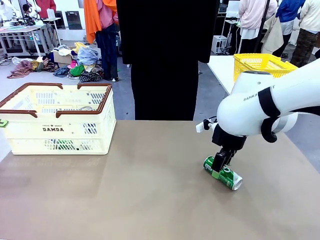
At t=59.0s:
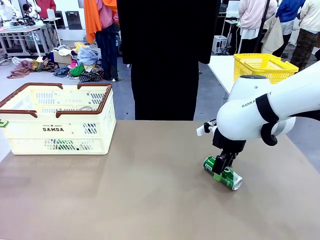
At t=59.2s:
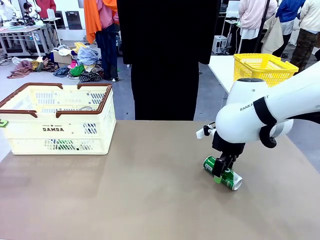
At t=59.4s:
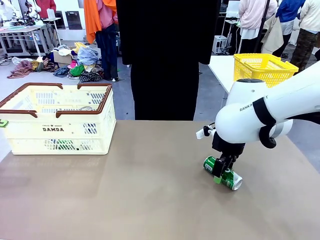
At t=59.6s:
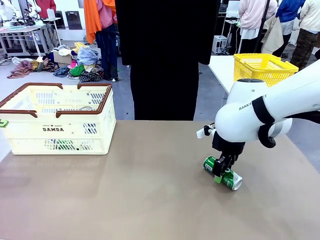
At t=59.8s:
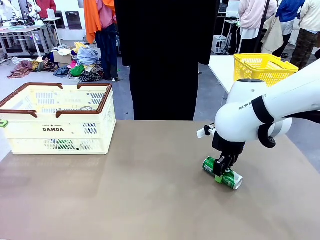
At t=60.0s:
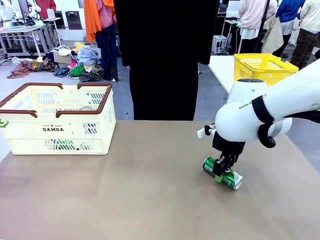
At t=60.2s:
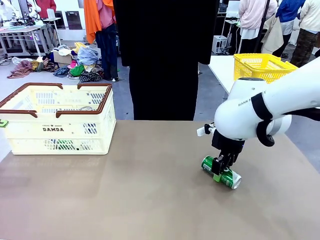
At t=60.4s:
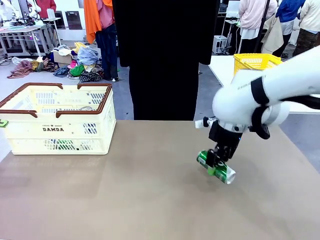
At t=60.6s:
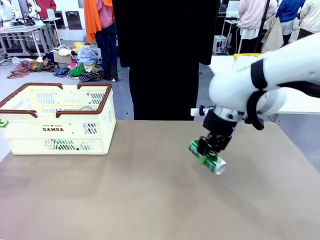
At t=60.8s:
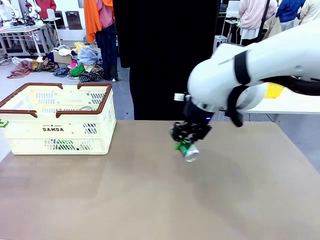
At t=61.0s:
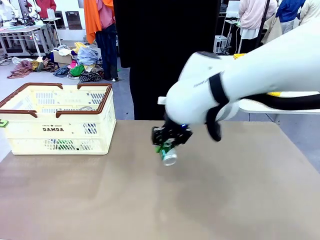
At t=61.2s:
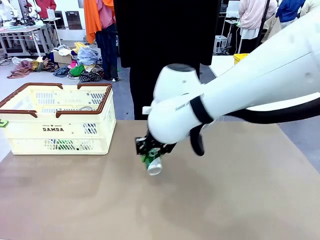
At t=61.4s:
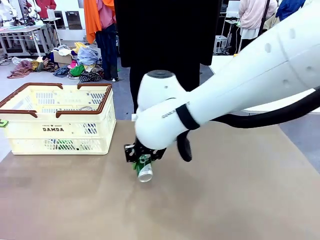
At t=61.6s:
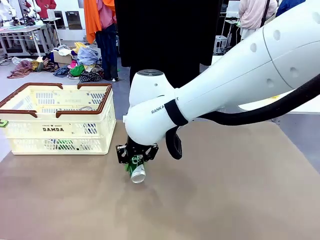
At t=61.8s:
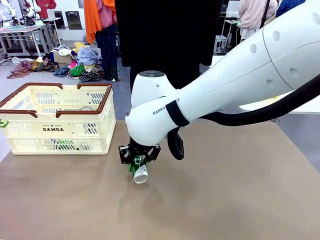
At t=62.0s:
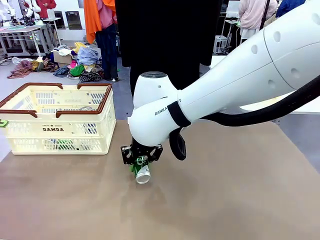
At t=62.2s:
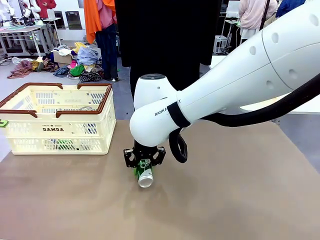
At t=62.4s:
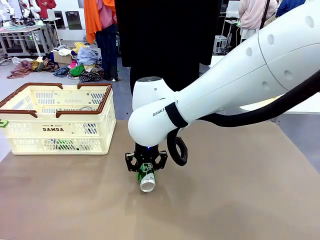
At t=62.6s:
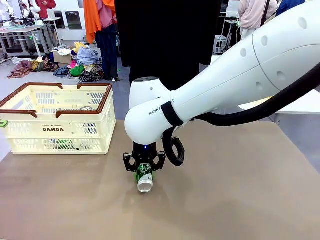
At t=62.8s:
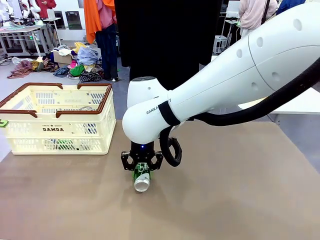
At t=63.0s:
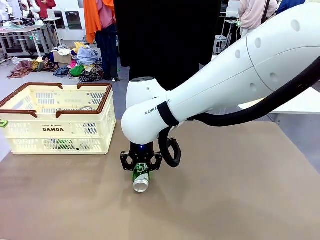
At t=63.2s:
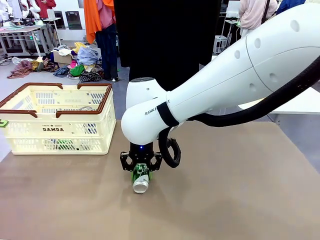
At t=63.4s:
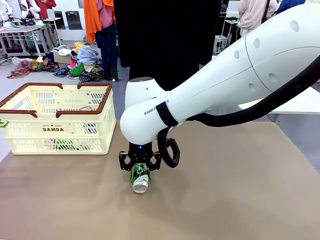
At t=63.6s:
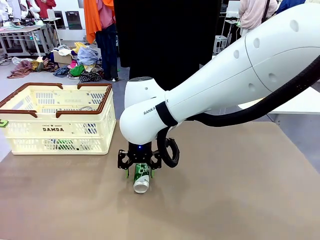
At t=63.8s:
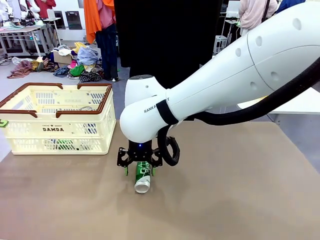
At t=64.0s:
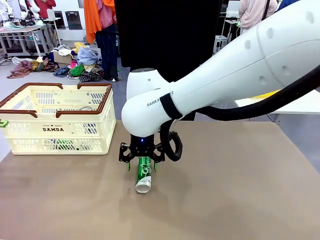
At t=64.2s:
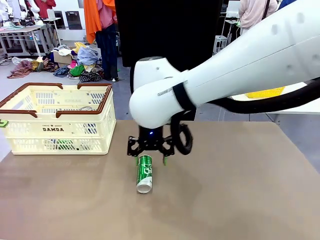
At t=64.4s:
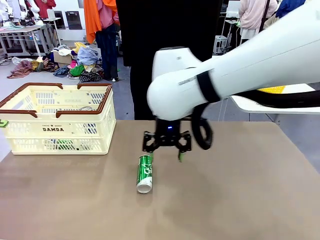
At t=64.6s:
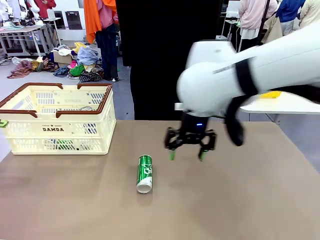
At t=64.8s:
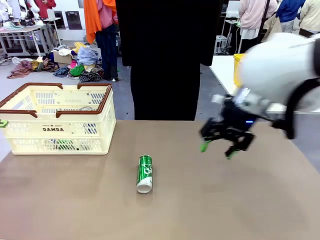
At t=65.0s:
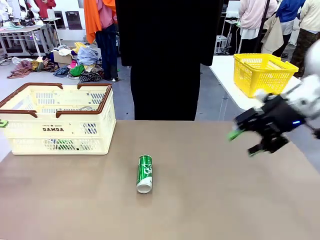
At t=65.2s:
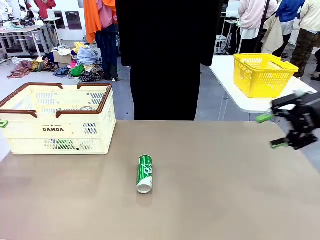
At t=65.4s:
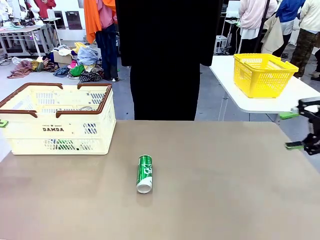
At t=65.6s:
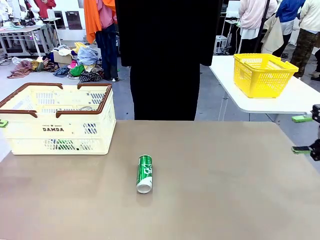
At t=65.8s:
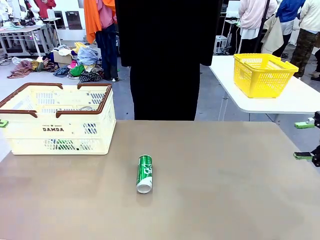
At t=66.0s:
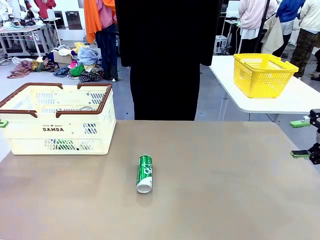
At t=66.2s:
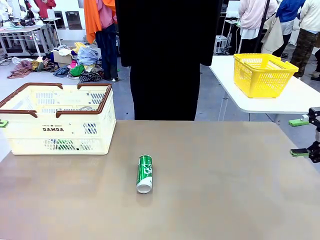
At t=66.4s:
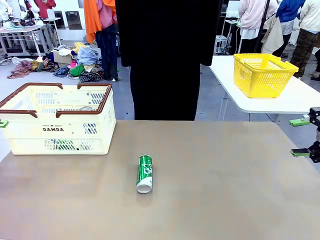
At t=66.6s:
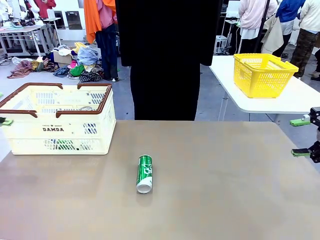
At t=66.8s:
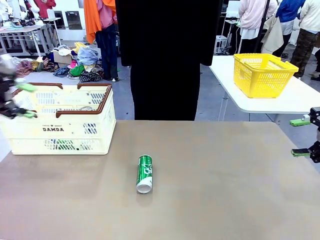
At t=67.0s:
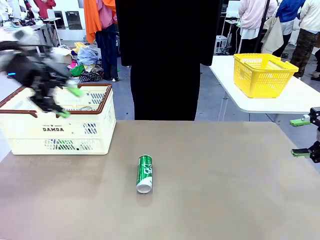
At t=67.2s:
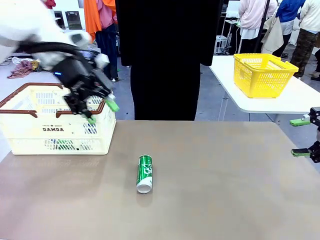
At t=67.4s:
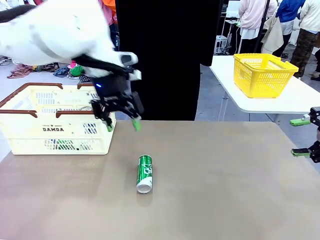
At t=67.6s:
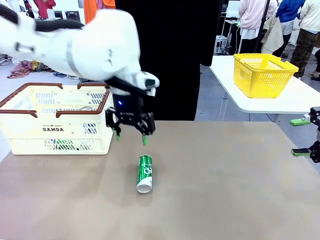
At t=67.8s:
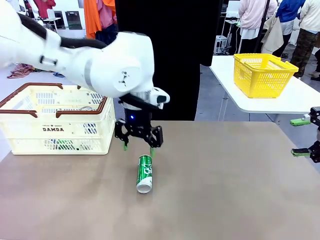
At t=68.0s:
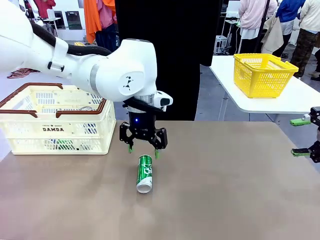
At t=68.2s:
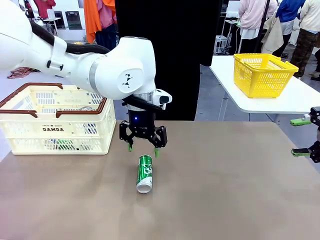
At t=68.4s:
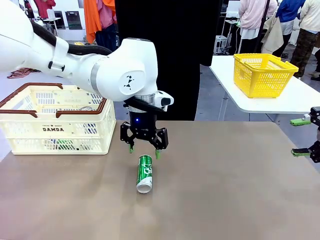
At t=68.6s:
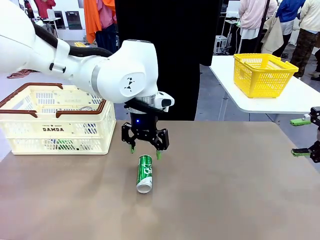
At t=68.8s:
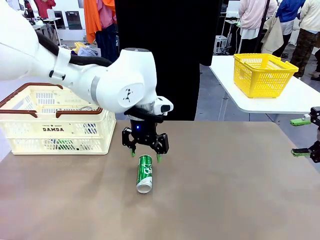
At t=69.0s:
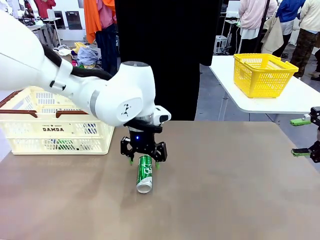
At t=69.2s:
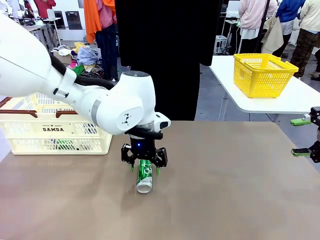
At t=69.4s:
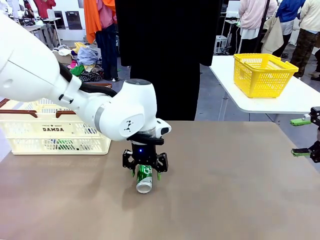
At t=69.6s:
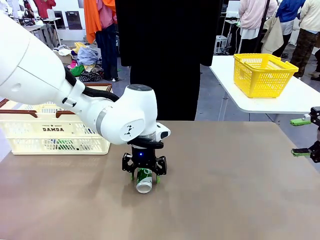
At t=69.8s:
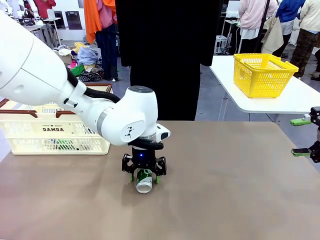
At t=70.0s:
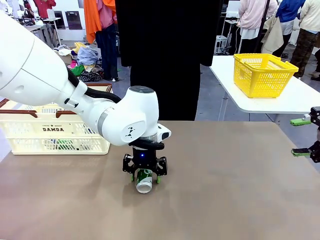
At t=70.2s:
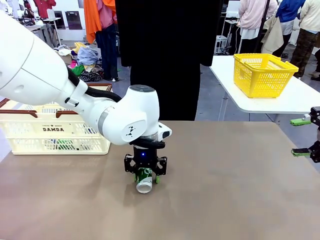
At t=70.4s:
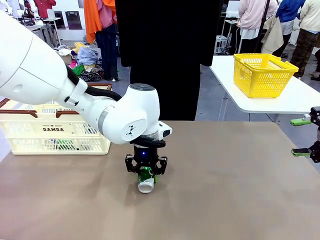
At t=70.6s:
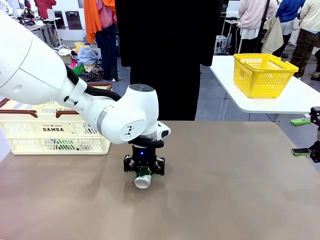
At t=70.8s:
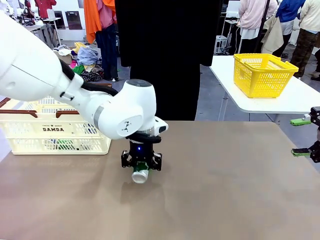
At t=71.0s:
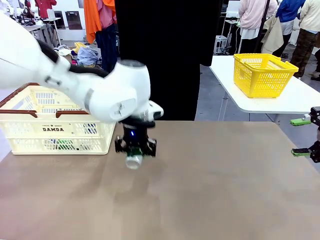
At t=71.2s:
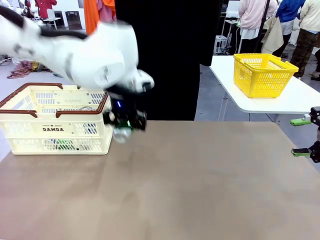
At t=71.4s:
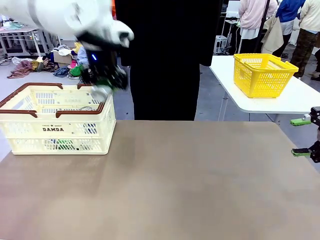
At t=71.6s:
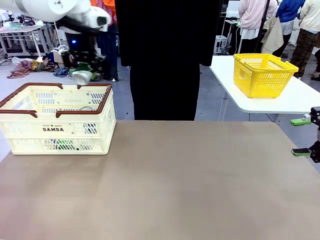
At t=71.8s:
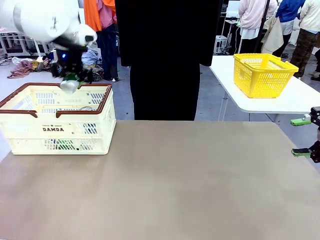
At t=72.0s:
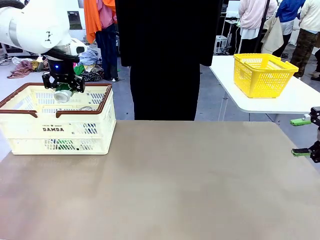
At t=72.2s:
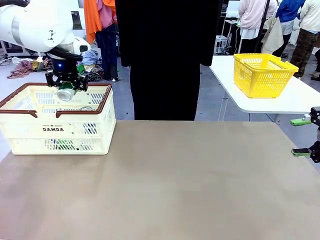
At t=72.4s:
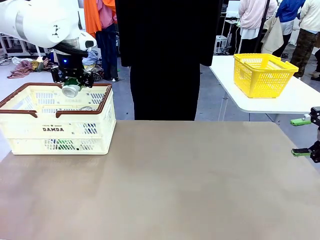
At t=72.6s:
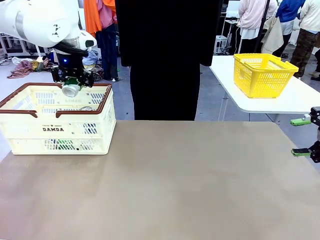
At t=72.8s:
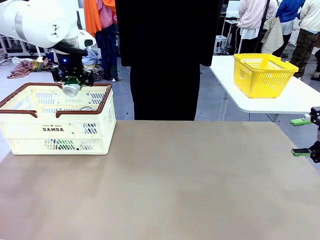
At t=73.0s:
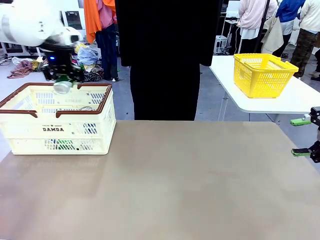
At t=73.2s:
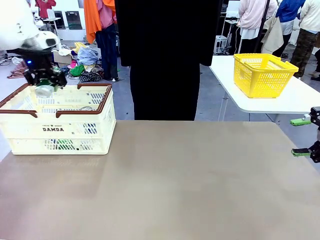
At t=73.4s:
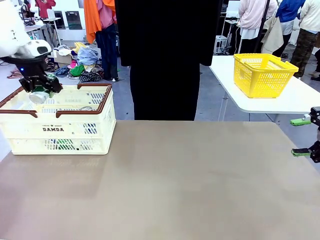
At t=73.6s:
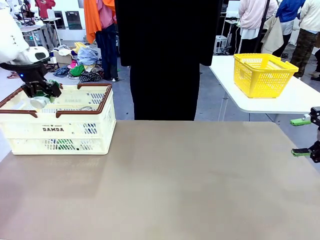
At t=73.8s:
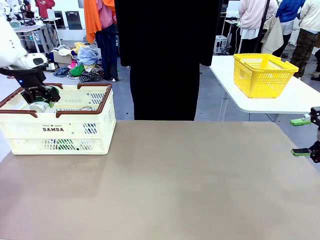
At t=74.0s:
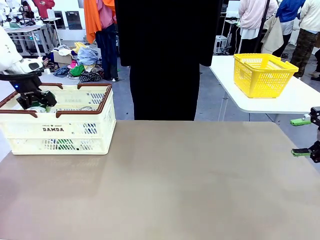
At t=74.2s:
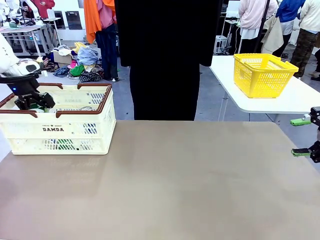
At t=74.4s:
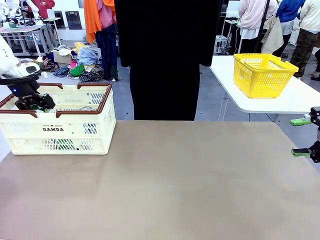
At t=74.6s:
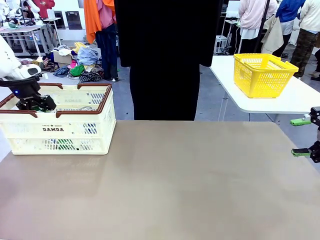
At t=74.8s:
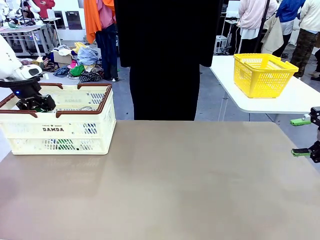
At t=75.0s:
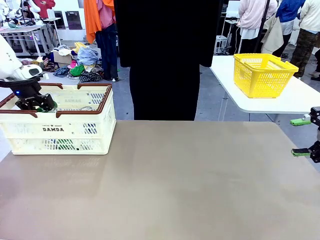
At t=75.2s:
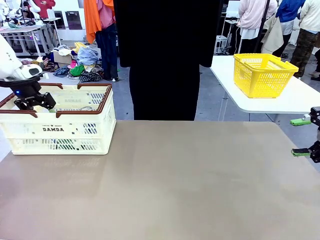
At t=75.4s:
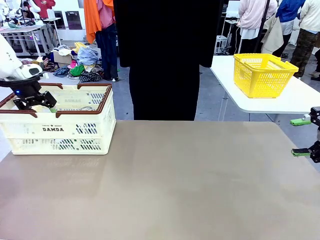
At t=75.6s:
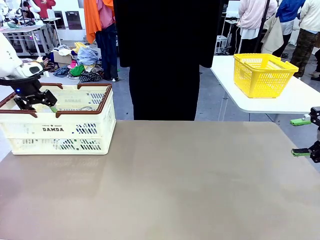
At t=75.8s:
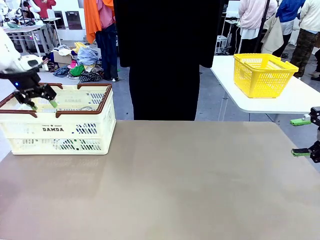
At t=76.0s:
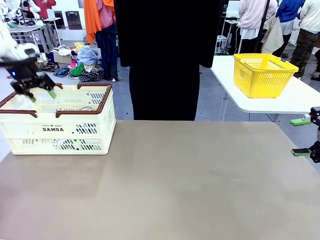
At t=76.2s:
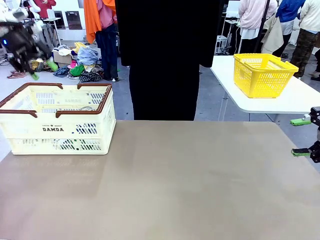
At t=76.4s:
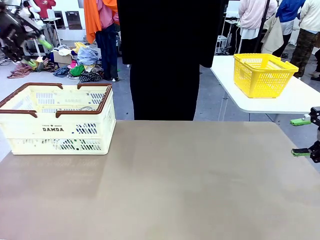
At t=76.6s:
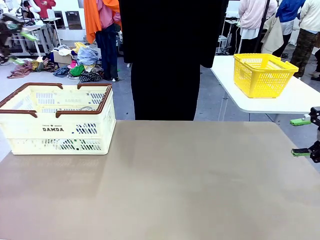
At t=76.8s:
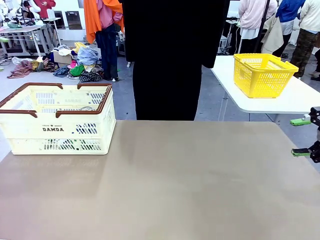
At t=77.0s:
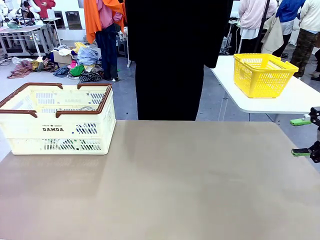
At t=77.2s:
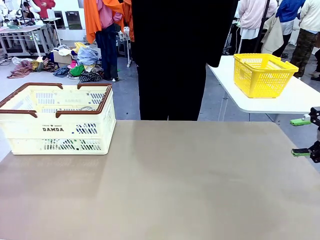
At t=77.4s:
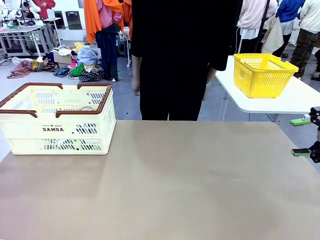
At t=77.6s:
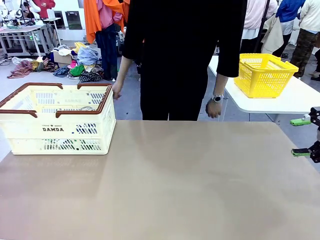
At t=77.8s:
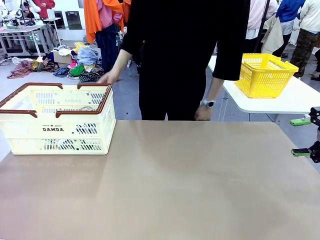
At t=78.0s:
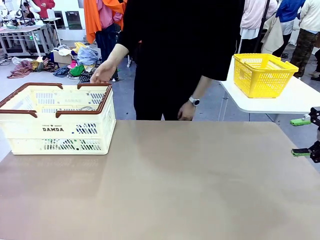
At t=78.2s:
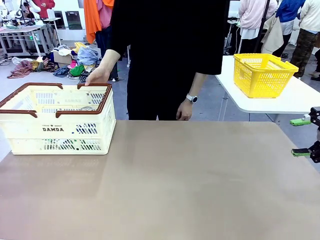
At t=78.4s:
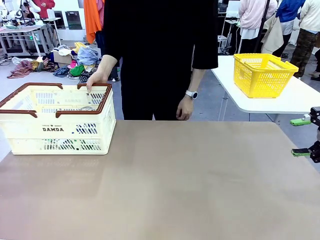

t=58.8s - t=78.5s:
Task: Place the drinks into the Shopping basket.
Robot: Pick up one drink and place it into the Shopping basket.
